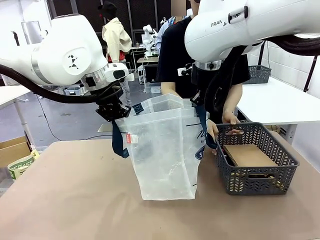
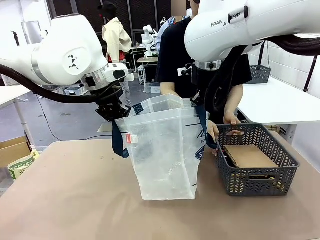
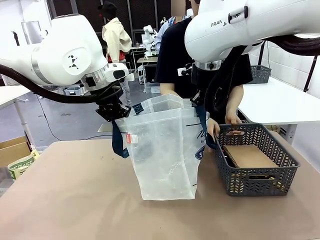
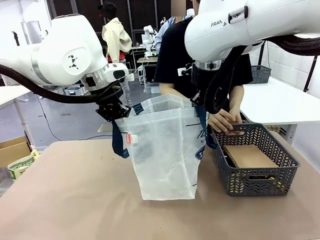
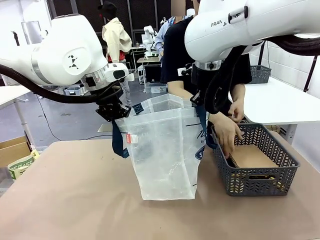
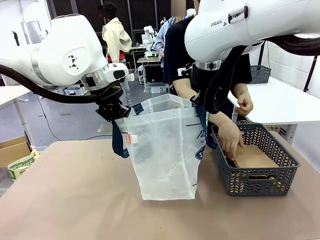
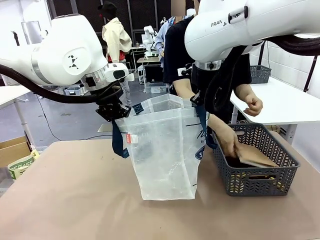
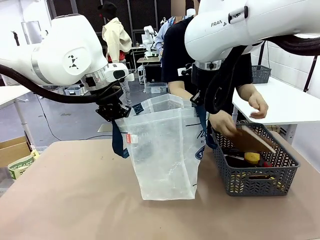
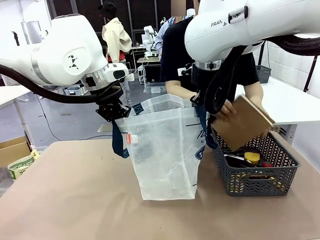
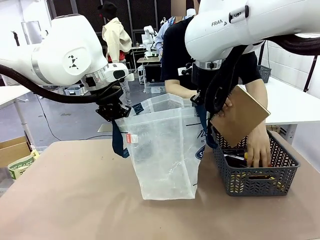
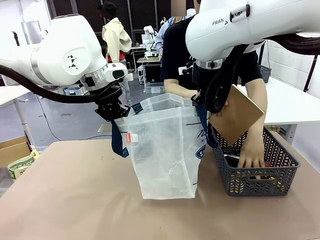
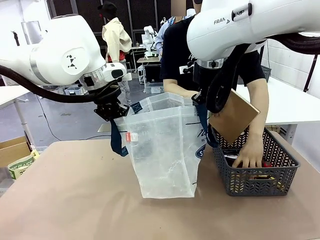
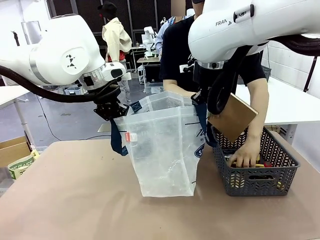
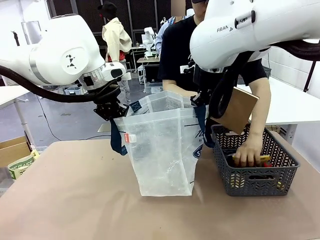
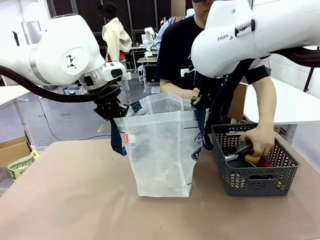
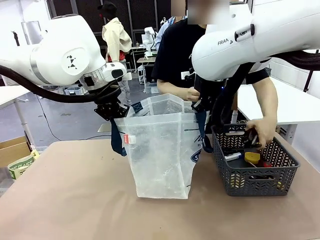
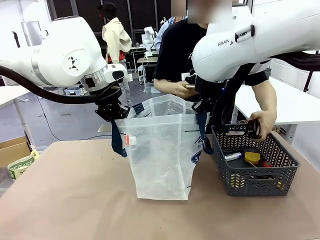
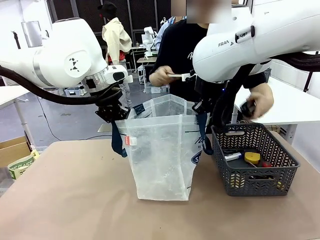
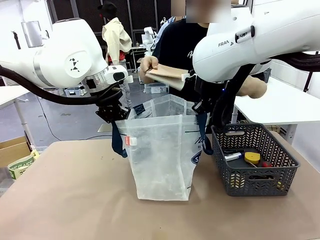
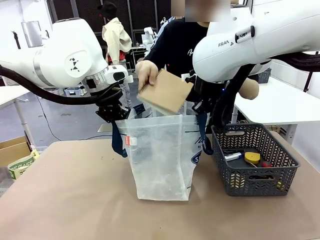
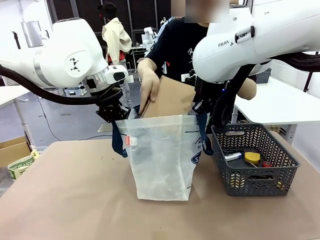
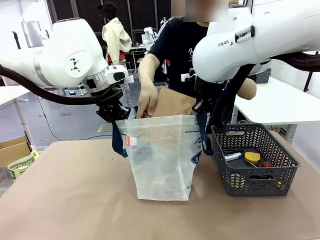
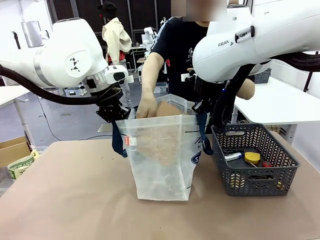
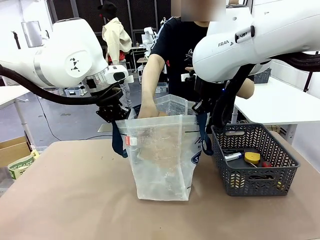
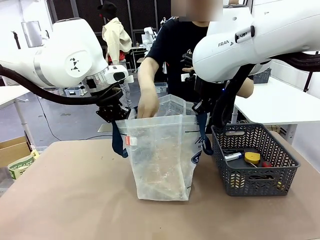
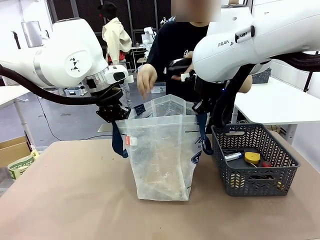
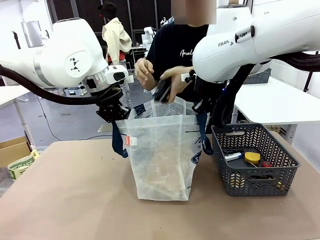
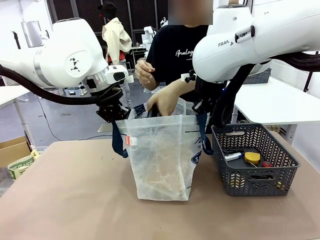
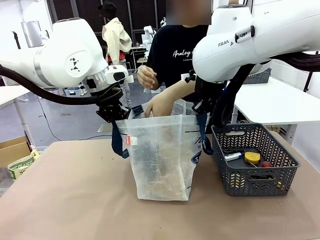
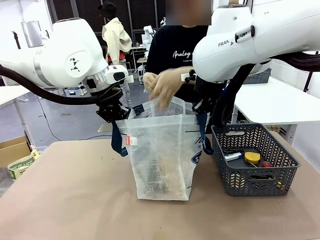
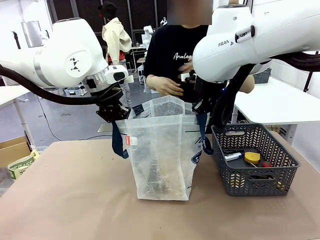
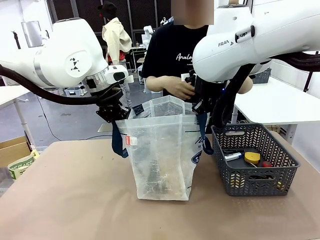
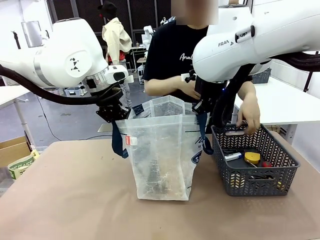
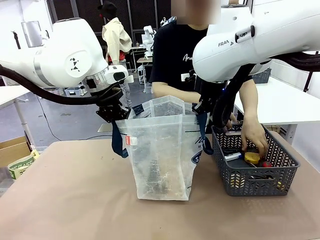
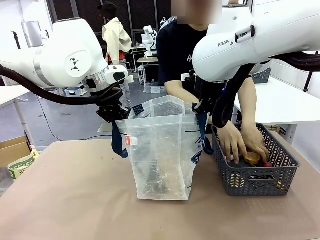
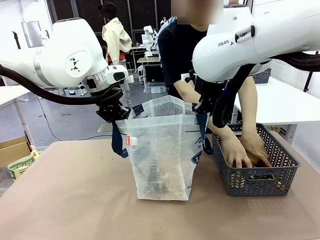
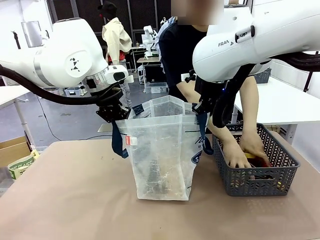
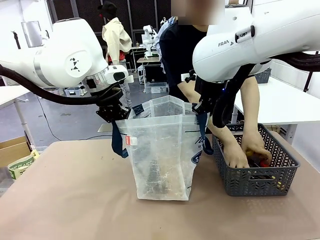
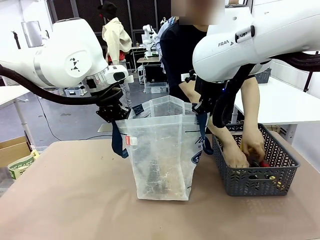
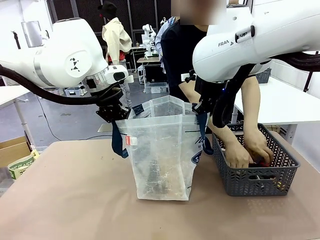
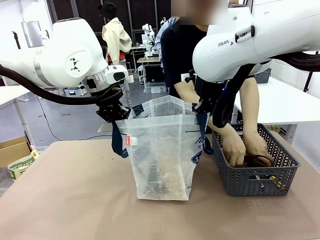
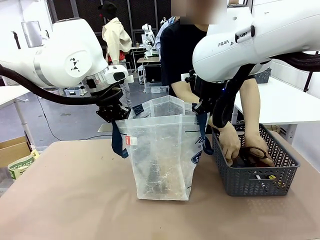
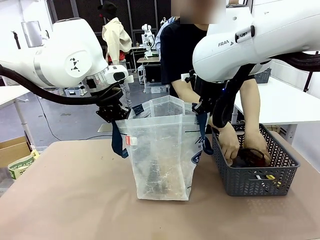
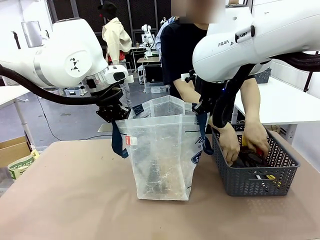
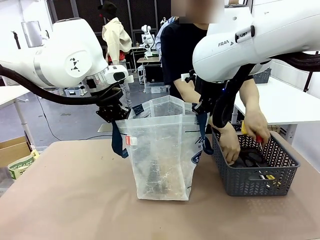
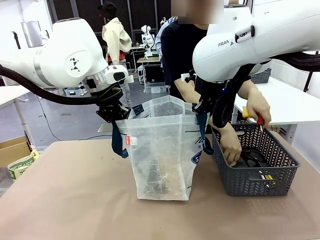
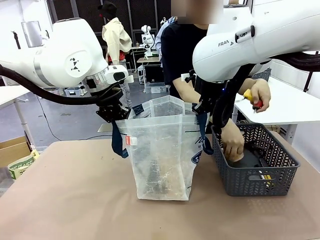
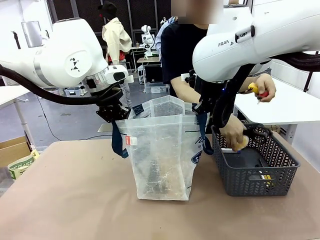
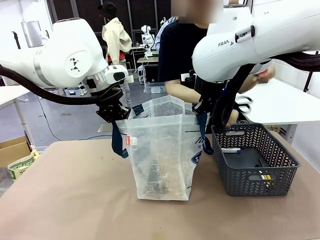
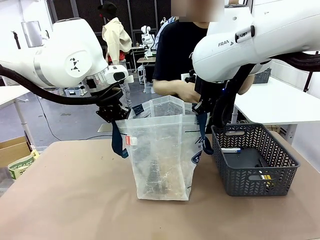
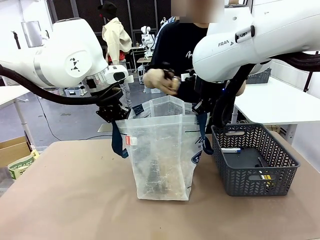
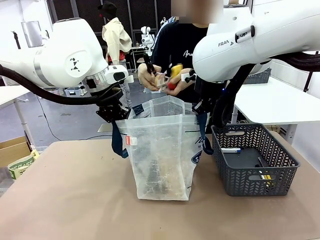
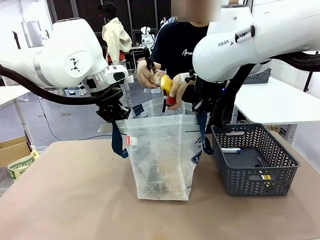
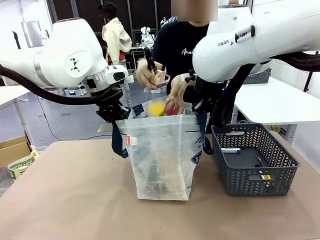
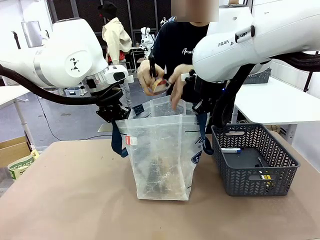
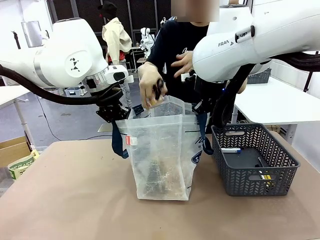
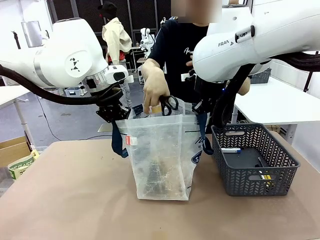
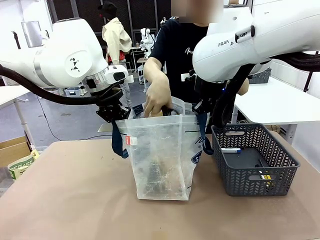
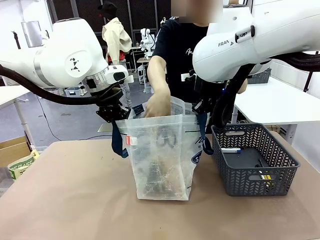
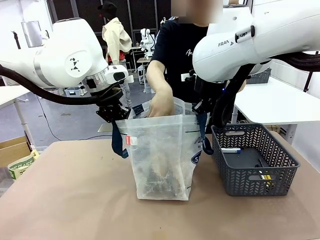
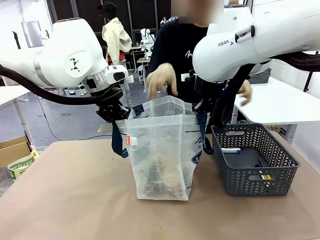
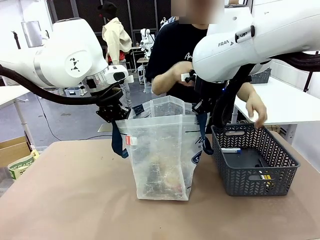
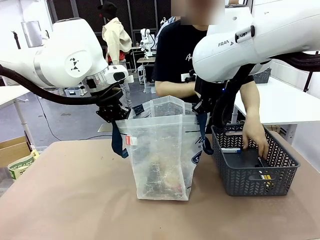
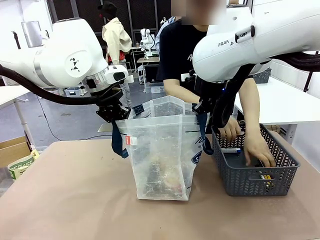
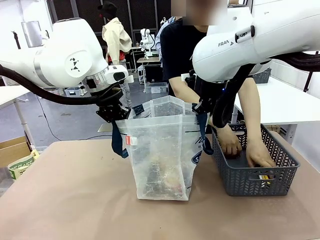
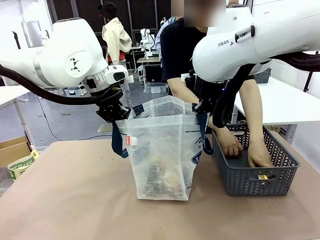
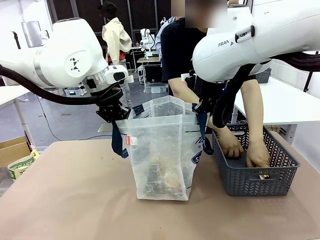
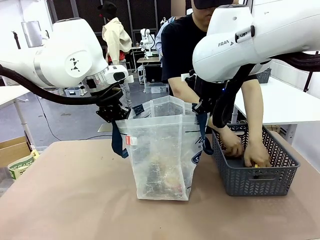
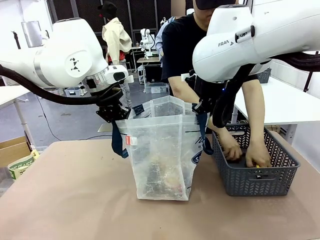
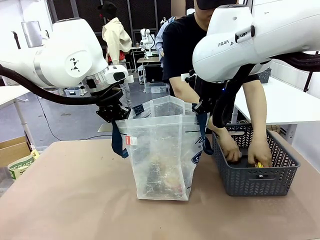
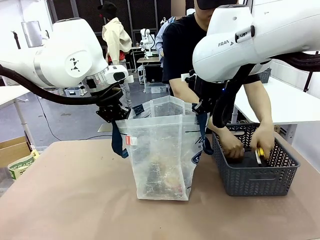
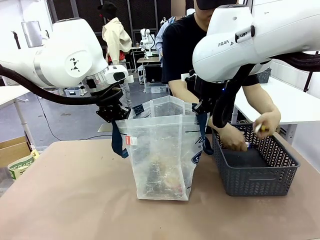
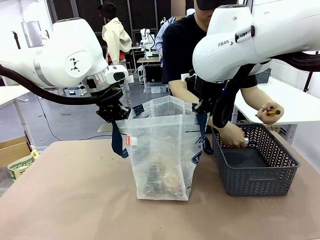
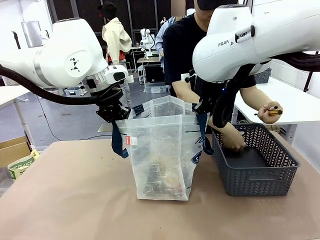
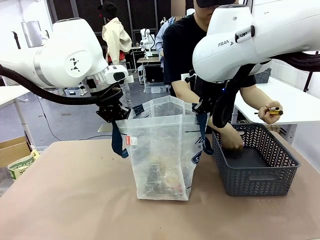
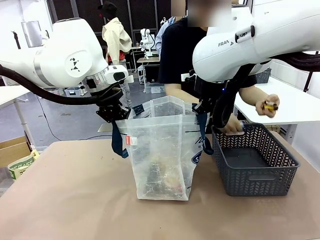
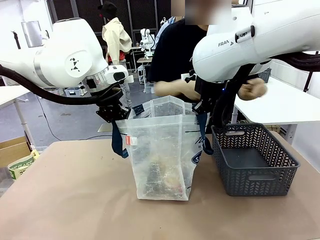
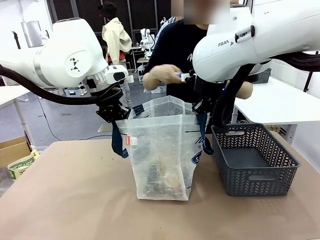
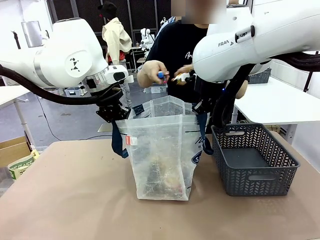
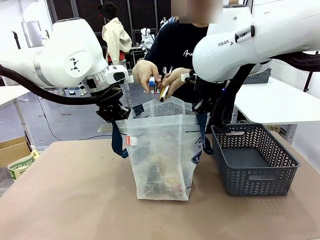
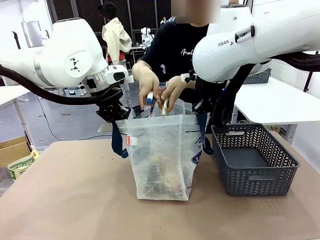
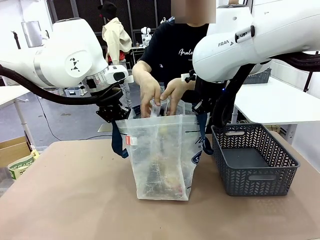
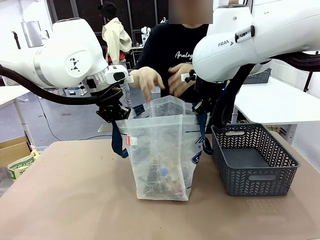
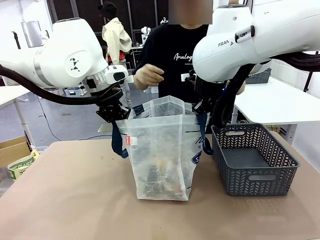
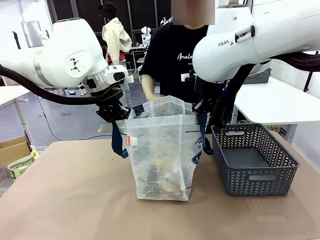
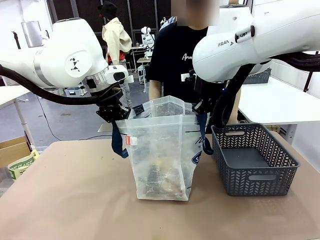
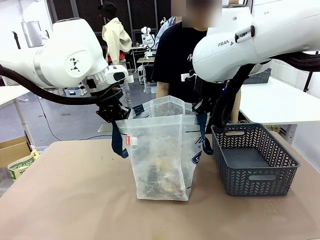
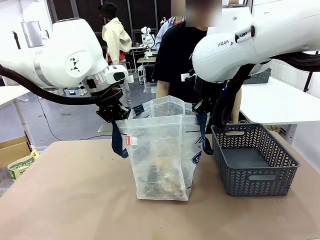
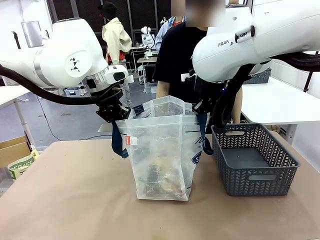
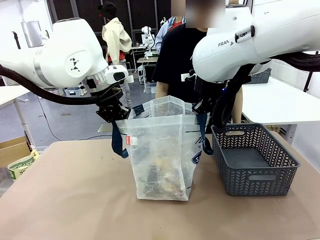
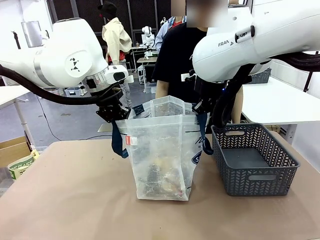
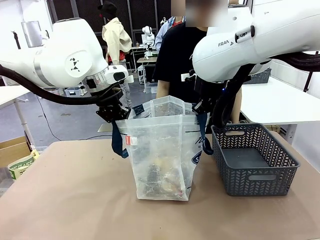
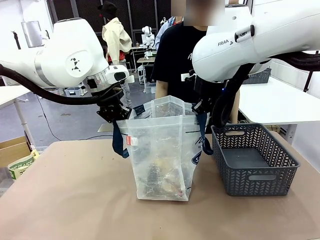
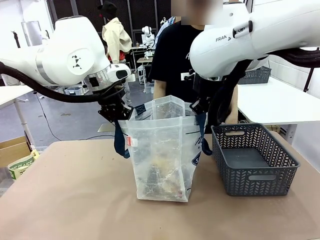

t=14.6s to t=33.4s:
Task: Transfer purchased items from the store into the shopping bag.
Robot: Move the Reusable shopping bag to the right side of the table.
Person: Pick up the basket on the right, place it on the left side of the robot table, and move the items in the basket to the shopping bag.
